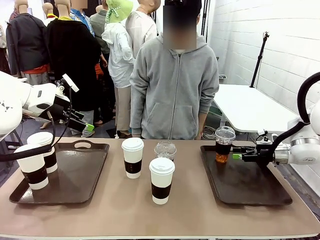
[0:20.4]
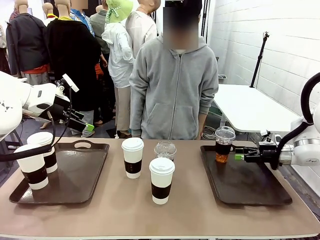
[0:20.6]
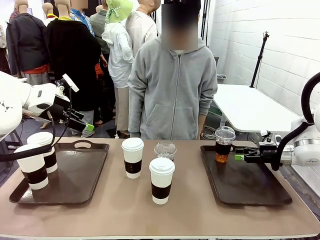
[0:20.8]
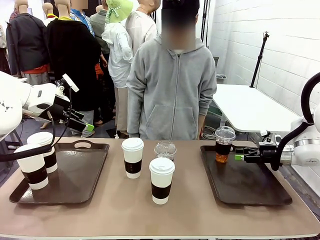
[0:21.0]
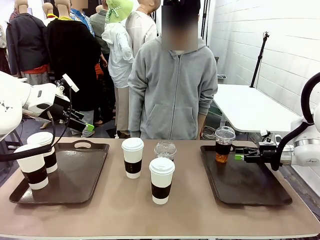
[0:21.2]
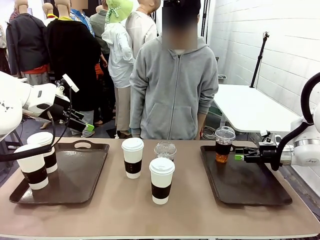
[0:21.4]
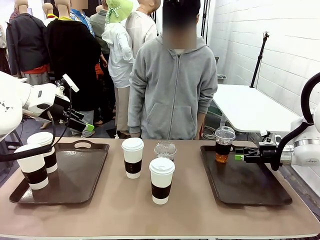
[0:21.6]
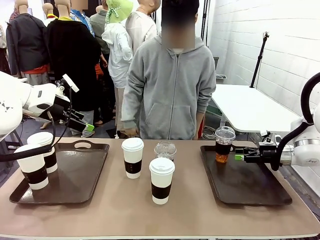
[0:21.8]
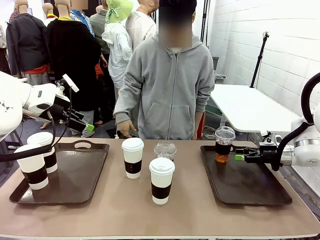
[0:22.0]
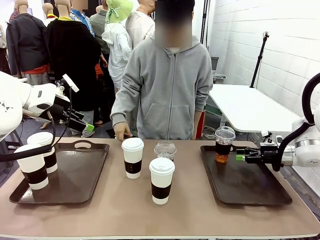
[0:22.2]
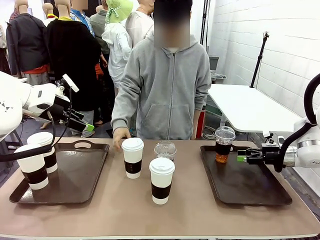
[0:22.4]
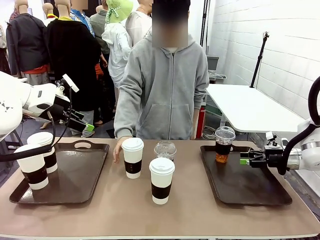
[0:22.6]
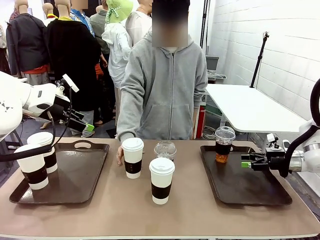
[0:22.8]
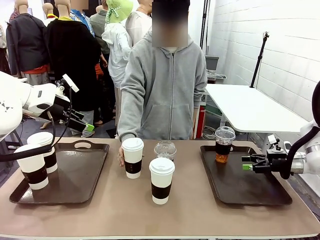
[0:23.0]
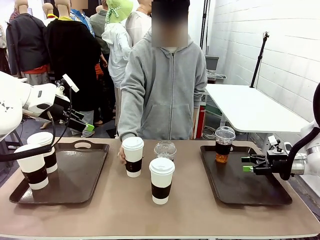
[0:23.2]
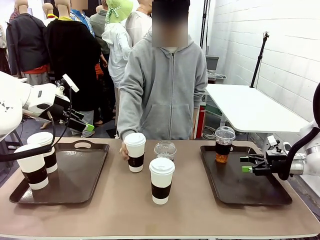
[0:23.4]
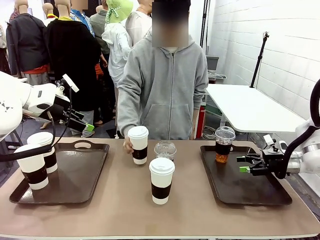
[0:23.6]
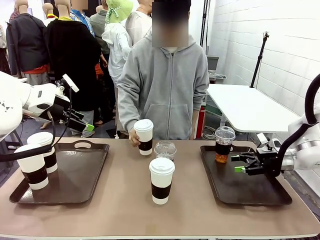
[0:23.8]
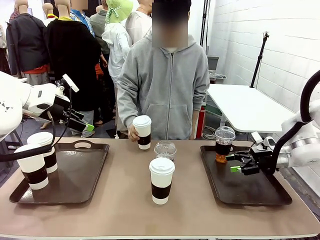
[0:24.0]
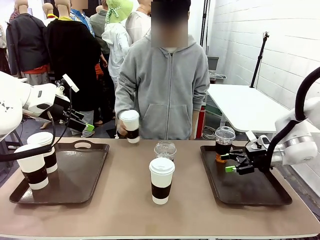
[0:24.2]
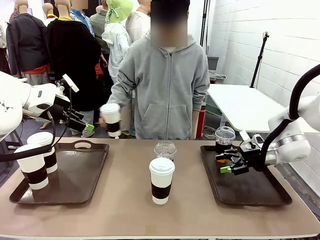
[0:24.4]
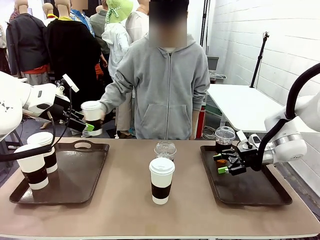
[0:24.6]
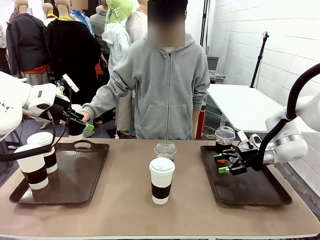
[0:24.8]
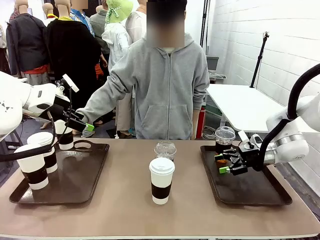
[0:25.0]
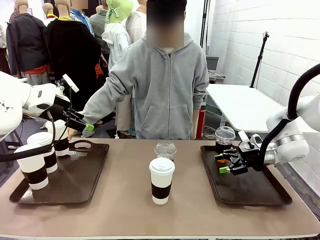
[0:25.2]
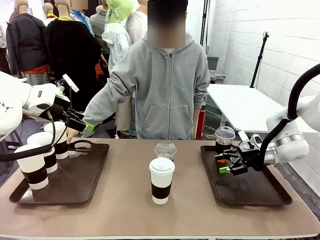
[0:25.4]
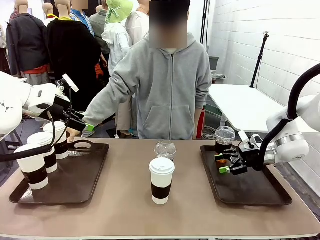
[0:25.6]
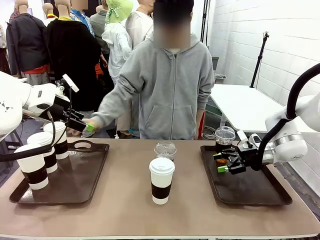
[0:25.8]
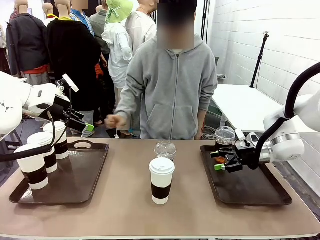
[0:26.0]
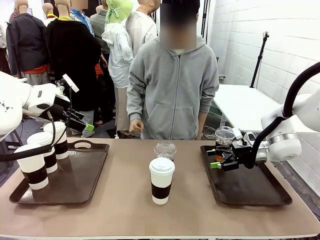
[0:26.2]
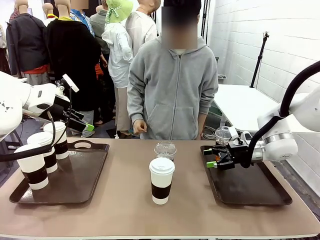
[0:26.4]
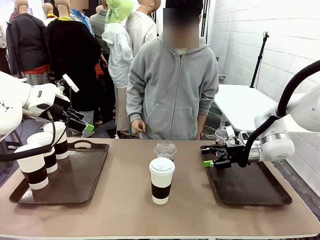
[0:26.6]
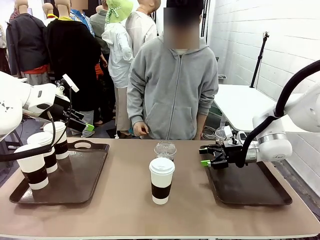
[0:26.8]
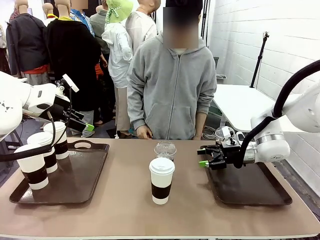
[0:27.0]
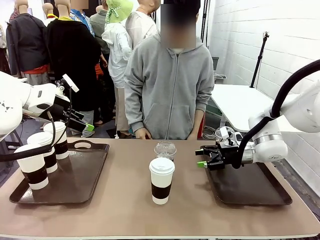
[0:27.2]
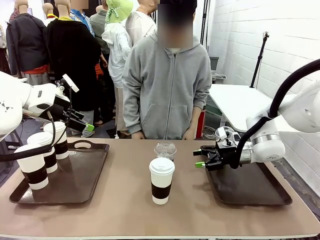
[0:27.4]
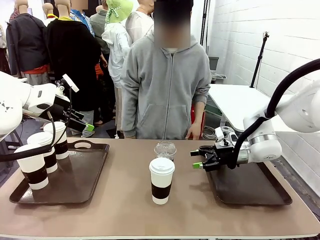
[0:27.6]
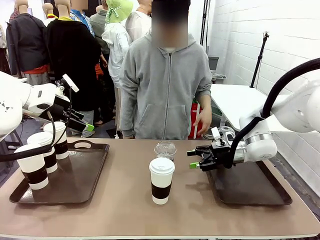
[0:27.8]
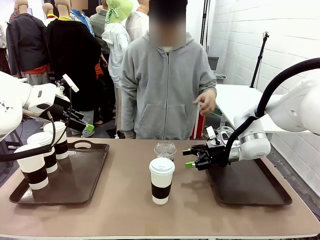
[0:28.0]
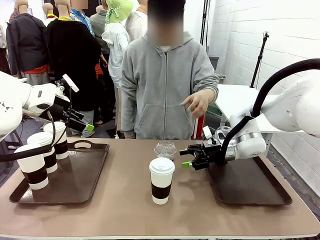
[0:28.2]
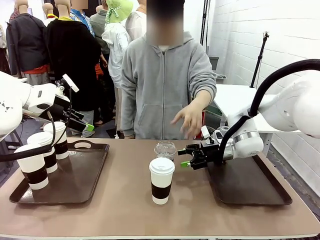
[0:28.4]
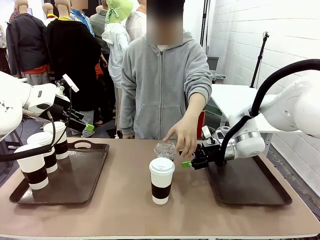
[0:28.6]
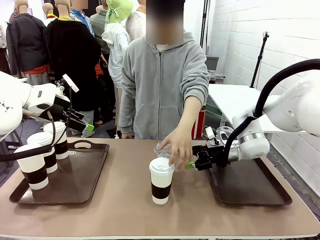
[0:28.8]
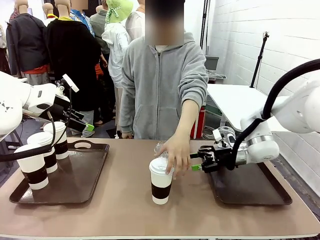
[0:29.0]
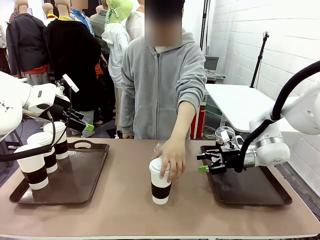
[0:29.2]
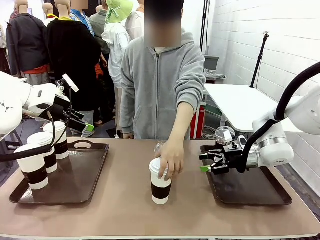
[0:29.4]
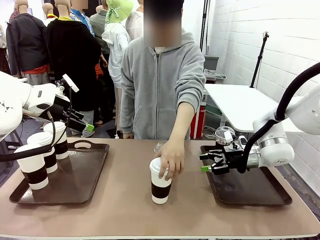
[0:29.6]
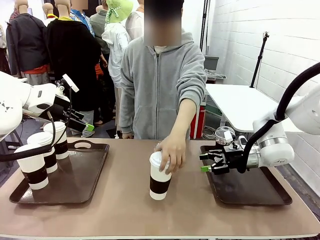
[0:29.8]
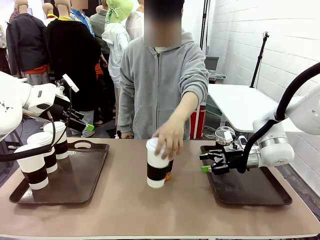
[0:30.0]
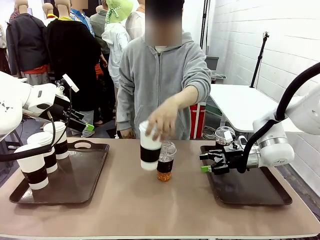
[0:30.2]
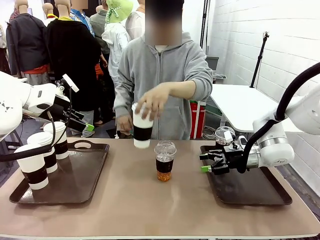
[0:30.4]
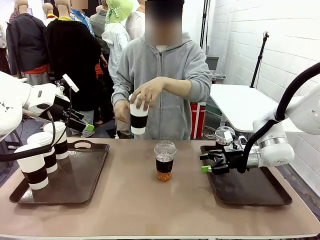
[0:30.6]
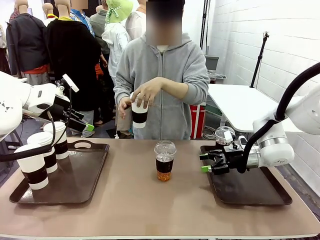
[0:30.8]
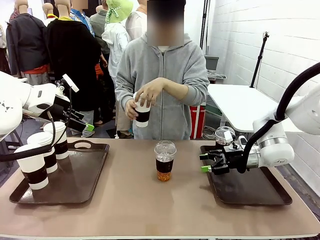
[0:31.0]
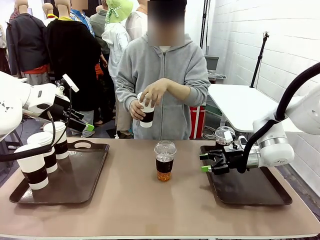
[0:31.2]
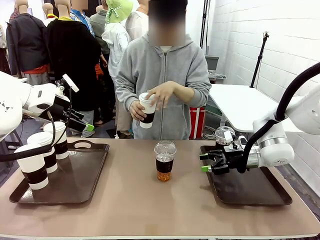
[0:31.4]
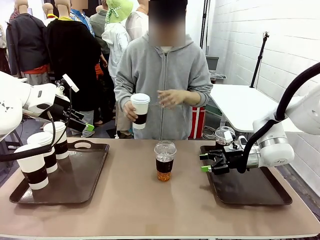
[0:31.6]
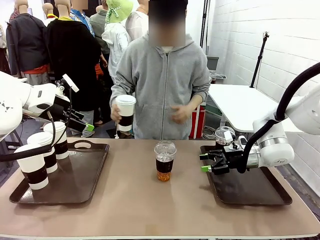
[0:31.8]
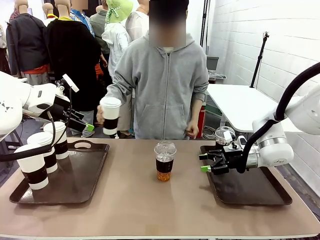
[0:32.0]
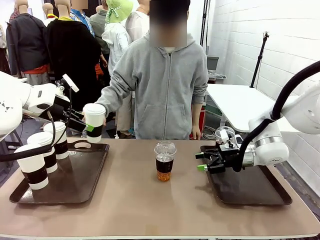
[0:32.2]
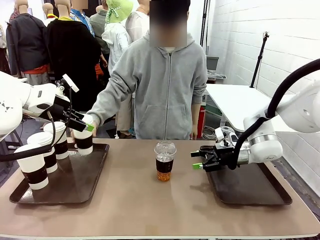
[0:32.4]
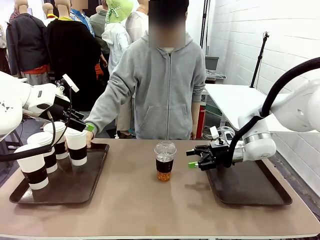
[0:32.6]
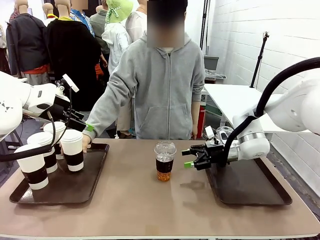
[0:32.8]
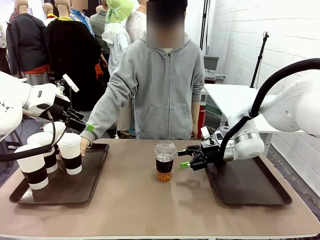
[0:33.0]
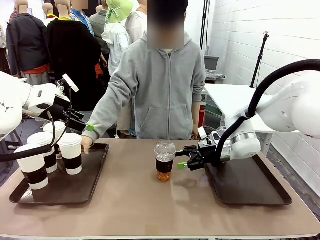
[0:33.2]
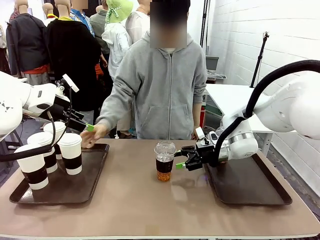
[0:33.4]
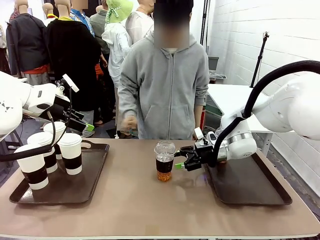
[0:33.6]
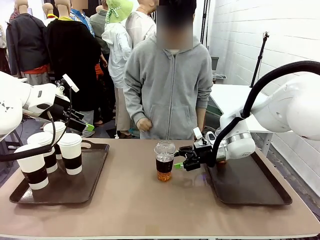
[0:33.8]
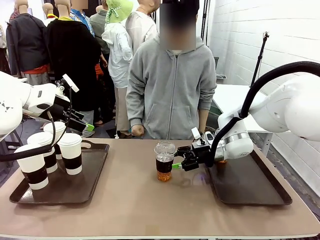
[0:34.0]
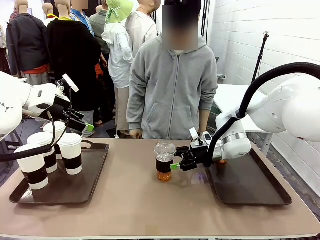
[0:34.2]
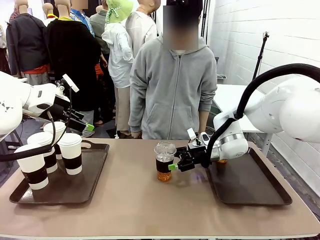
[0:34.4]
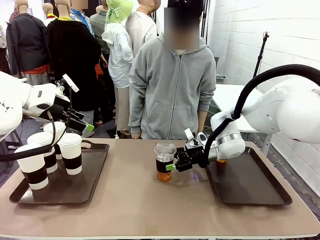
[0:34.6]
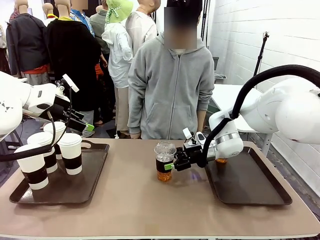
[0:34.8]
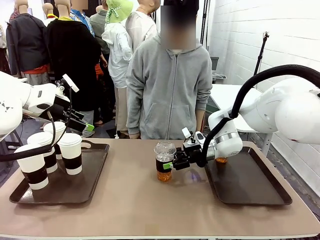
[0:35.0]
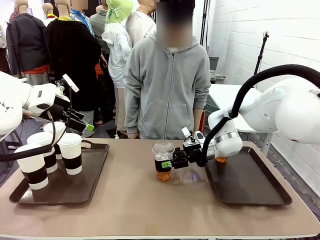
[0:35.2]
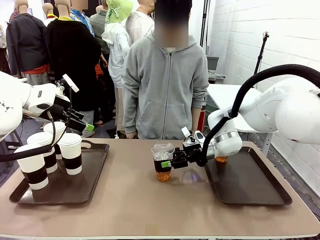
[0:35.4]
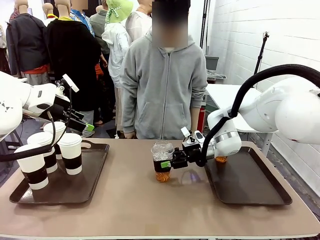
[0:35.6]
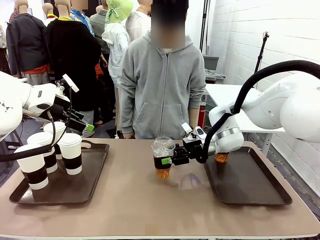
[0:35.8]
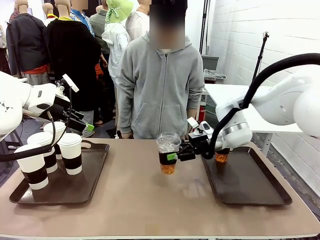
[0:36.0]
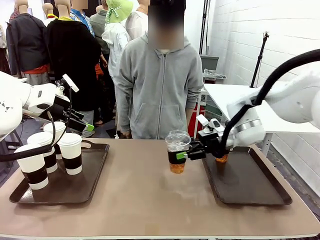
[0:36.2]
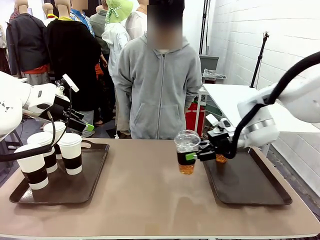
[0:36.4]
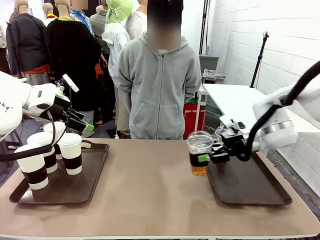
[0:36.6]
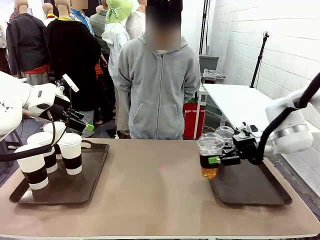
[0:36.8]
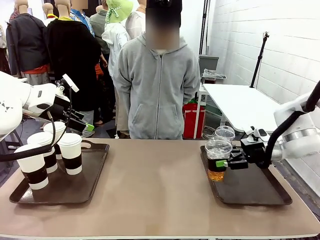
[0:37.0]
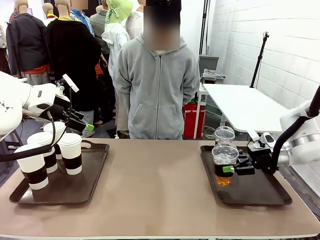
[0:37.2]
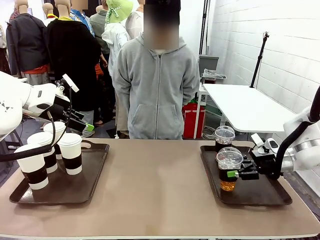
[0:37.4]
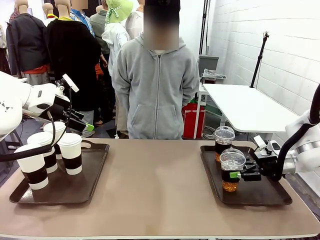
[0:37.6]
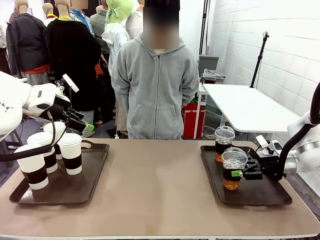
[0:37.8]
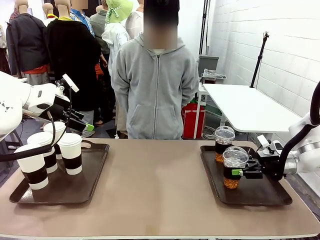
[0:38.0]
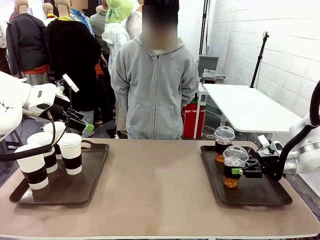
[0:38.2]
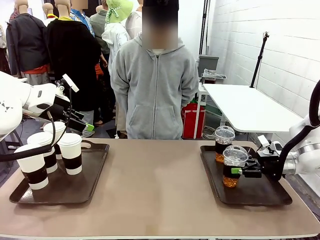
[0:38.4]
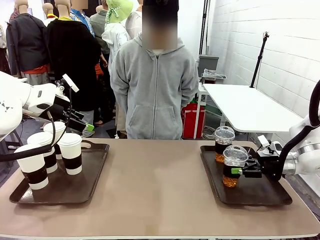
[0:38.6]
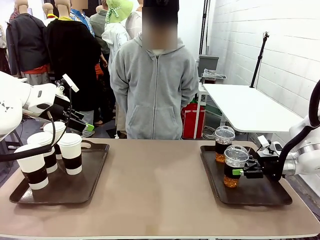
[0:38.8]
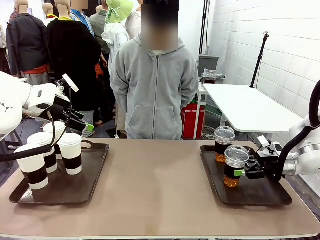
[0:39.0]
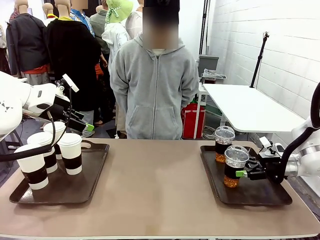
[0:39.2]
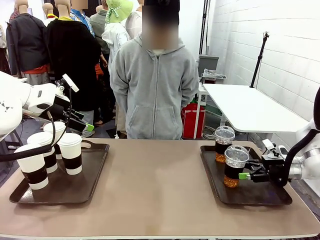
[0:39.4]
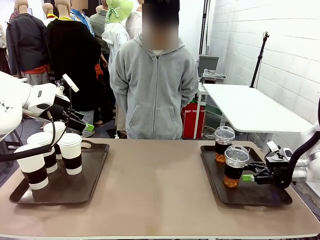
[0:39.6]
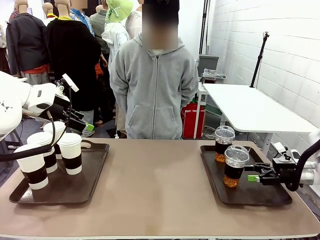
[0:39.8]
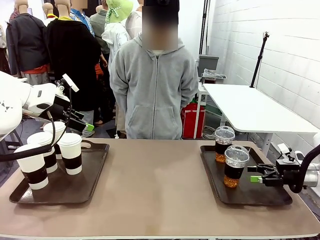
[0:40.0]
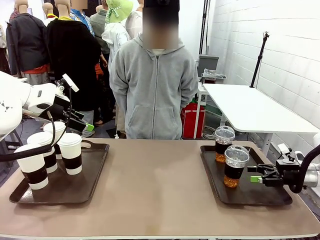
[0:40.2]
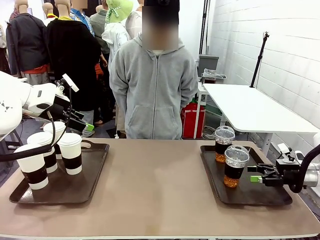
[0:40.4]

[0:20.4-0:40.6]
Task: Distribute the coffee onto the tray.
Robot: Pick up another iced Americano from the middle of the table and place it on the right Handle tray.
Person: Pick up a cup of hot Americano from the middle of the table and place it on the right tray.
